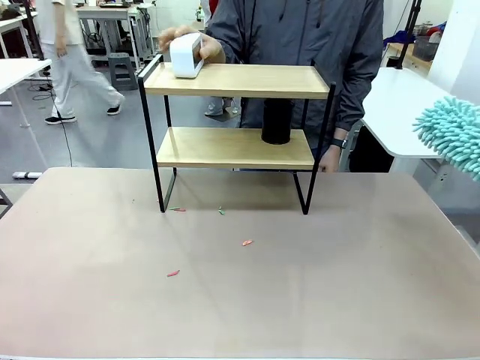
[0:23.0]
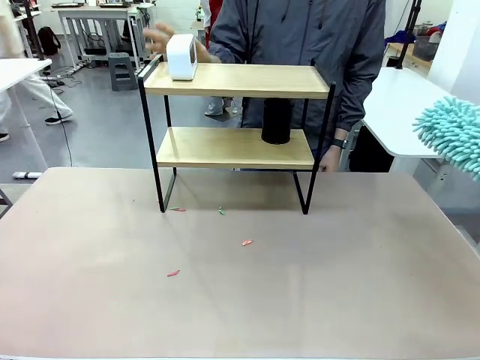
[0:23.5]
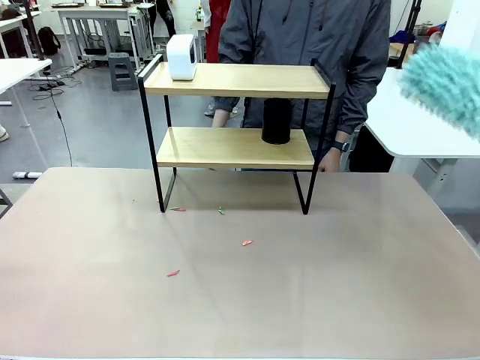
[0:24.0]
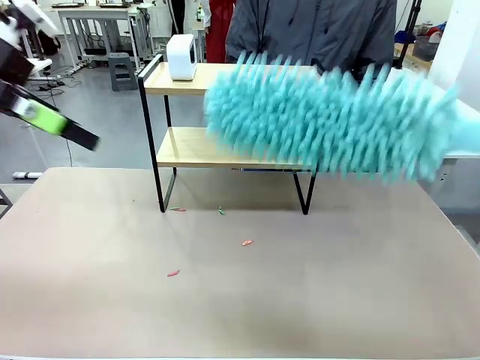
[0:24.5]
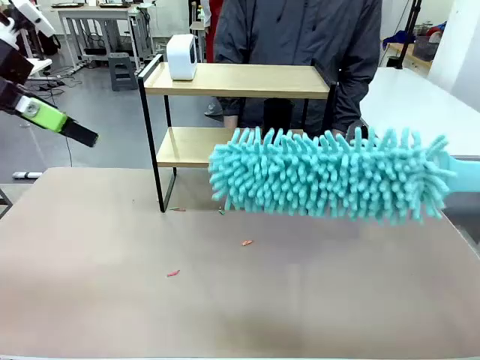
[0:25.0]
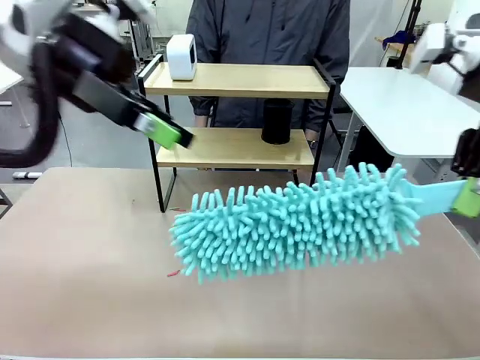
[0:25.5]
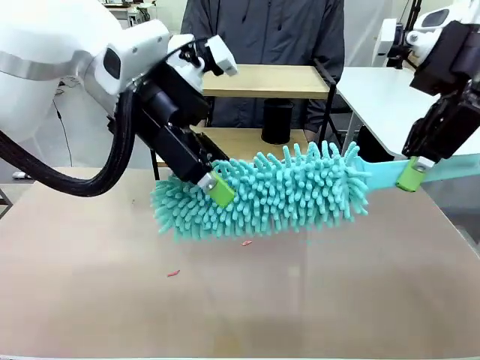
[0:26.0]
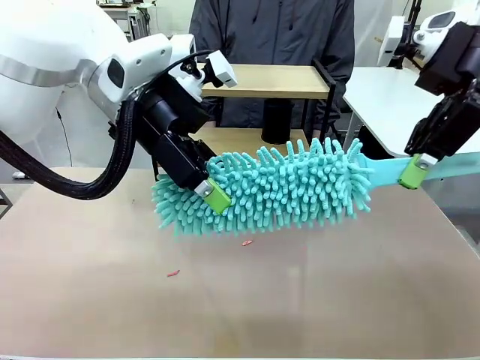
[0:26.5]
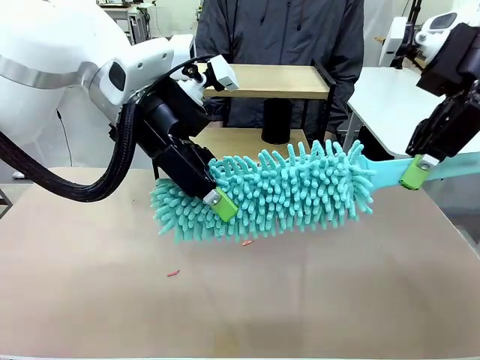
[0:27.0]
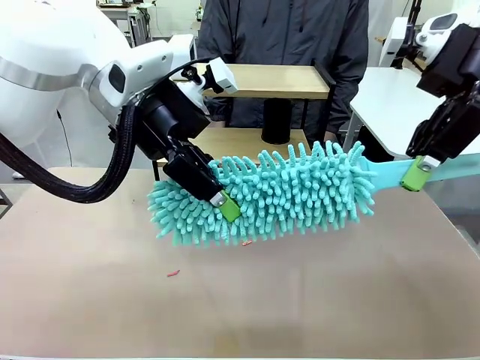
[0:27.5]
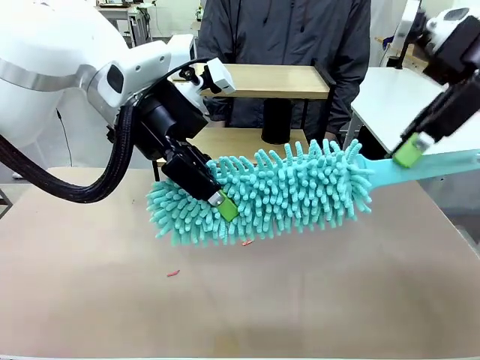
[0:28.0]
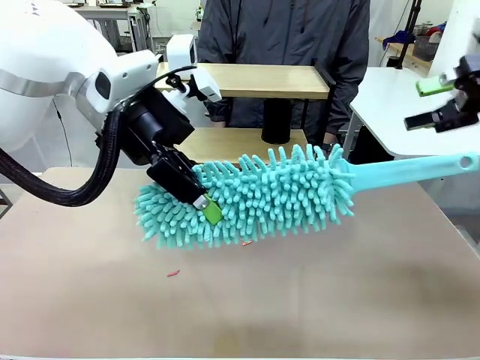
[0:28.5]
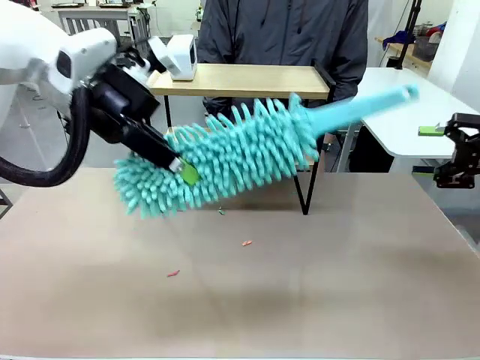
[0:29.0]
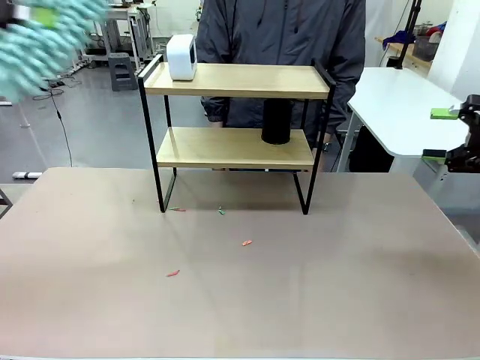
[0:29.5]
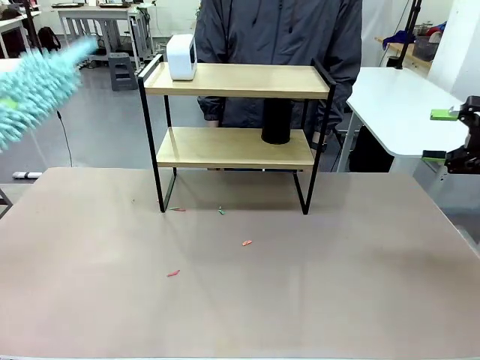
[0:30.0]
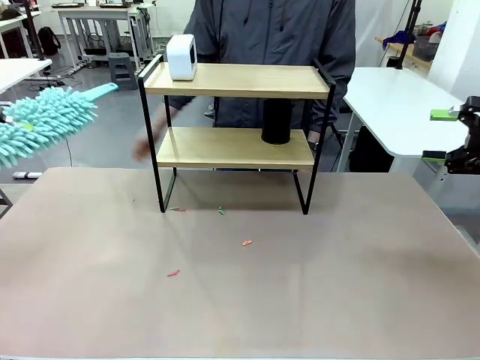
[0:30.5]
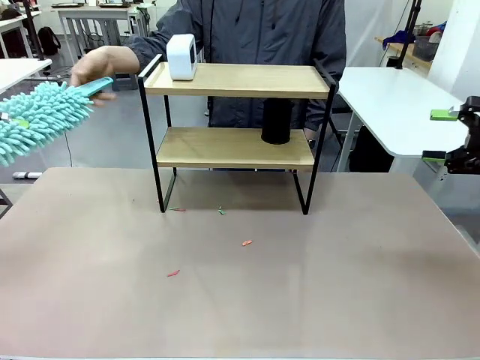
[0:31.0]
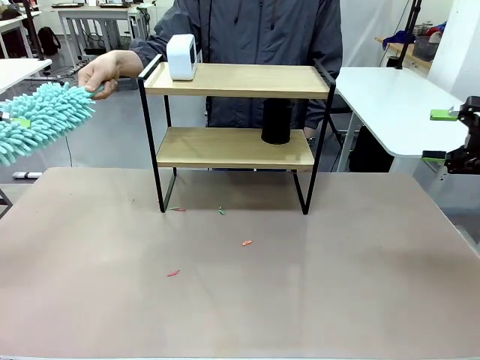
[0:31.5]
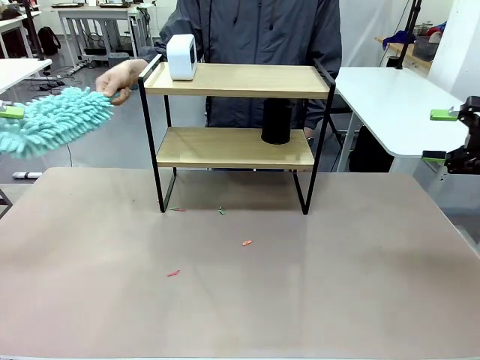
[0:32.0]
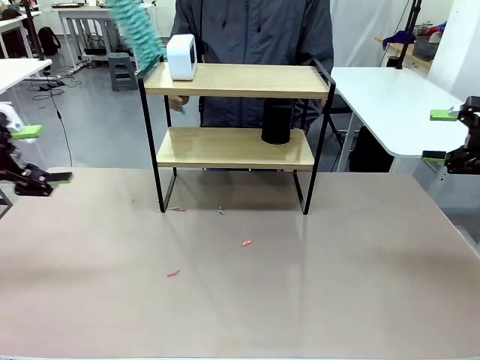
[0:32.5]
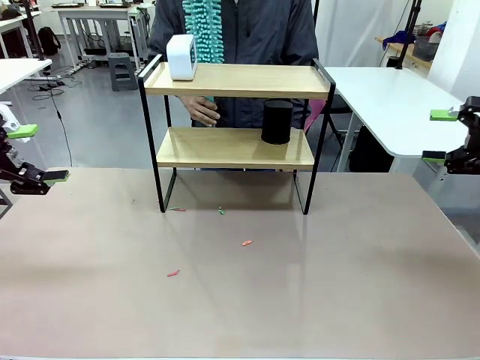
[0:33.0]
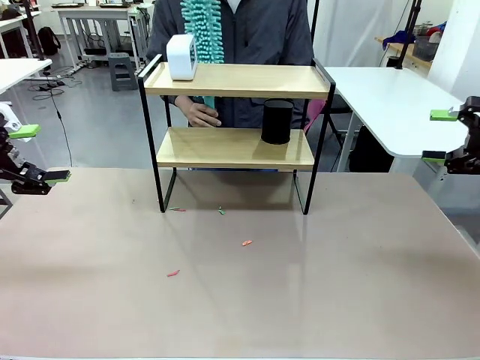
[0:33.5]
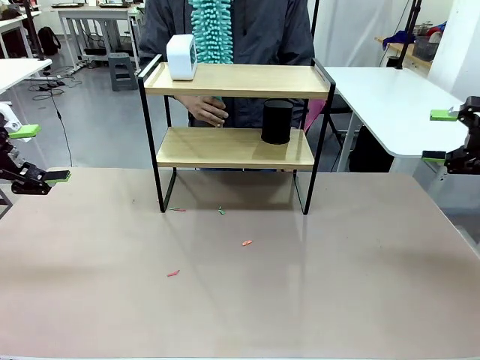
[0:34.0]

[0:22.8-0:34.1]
Task: Clean the shelf.
Robot: Hand the Duster back to the human.
Person: Receive the Duster from the robot.

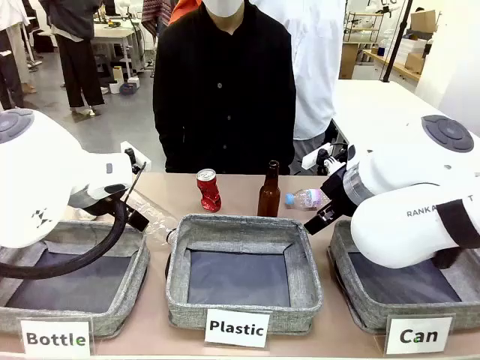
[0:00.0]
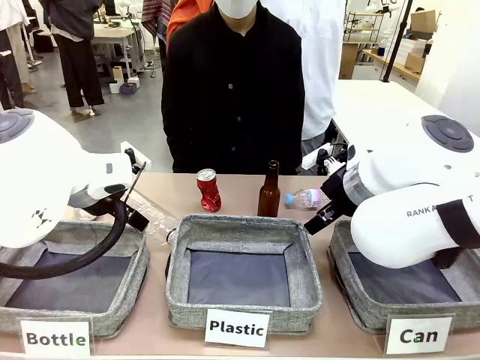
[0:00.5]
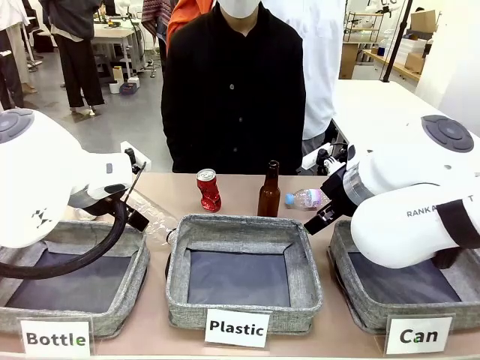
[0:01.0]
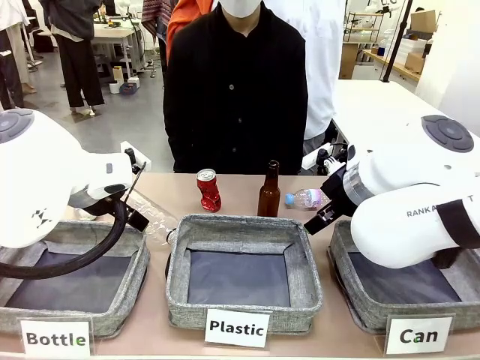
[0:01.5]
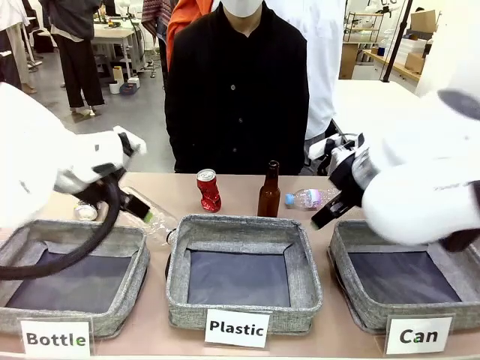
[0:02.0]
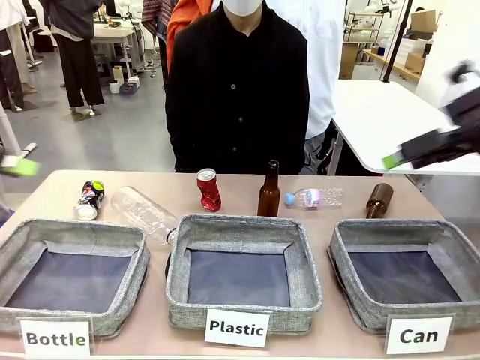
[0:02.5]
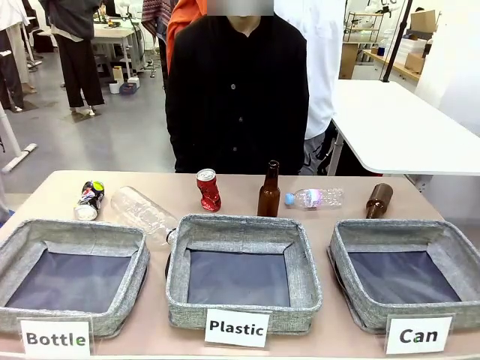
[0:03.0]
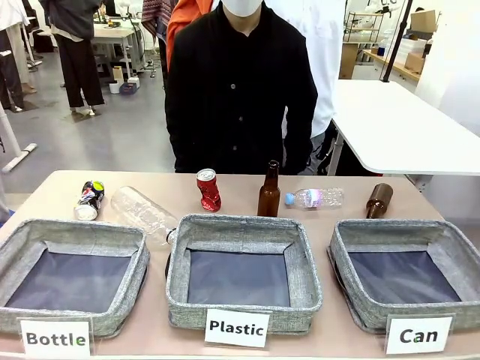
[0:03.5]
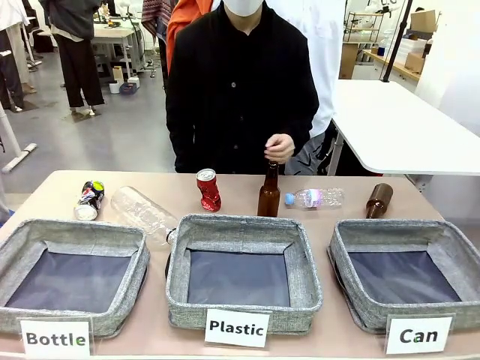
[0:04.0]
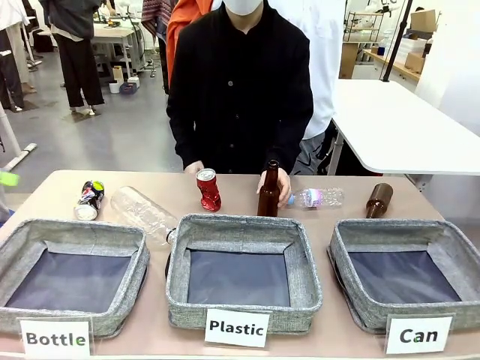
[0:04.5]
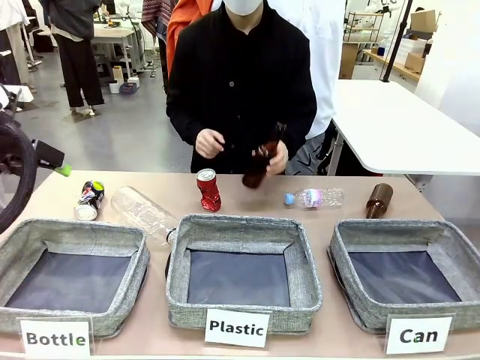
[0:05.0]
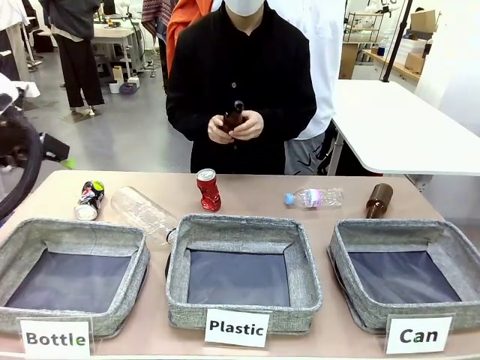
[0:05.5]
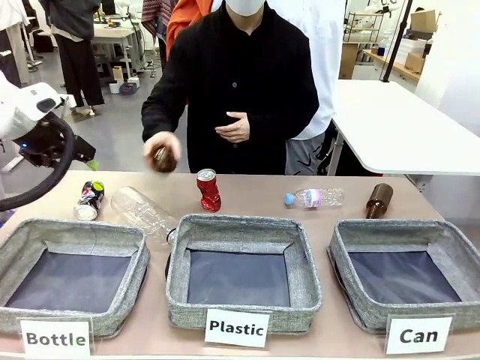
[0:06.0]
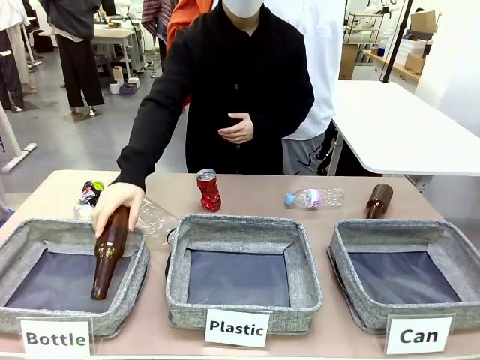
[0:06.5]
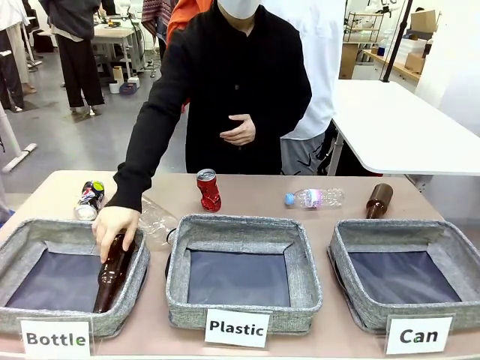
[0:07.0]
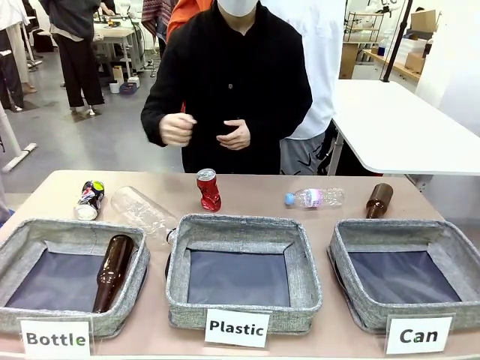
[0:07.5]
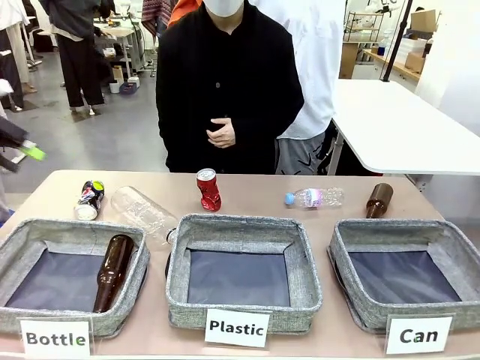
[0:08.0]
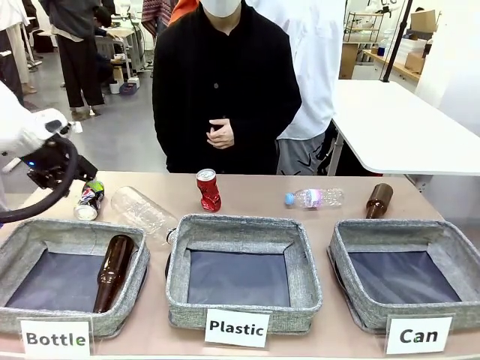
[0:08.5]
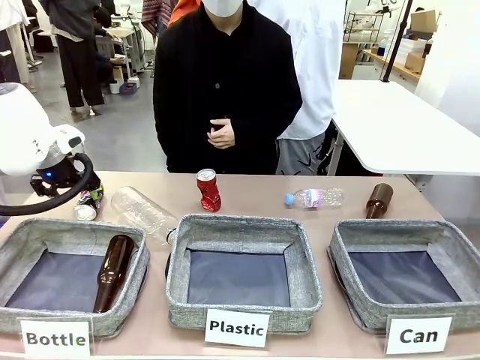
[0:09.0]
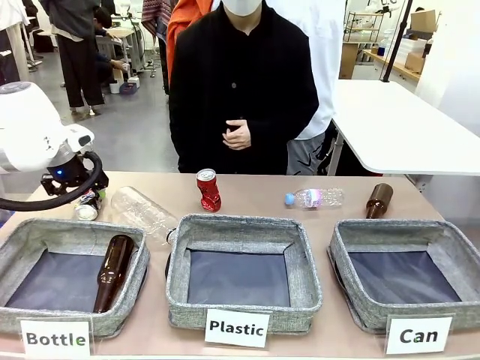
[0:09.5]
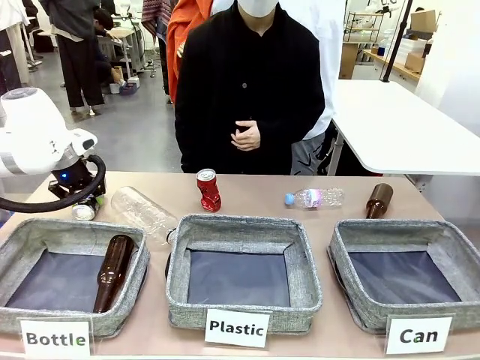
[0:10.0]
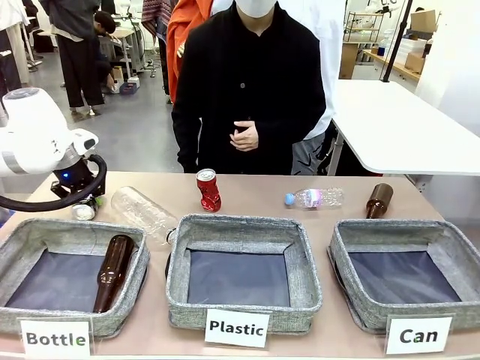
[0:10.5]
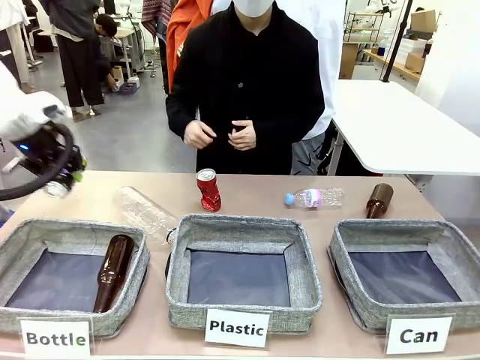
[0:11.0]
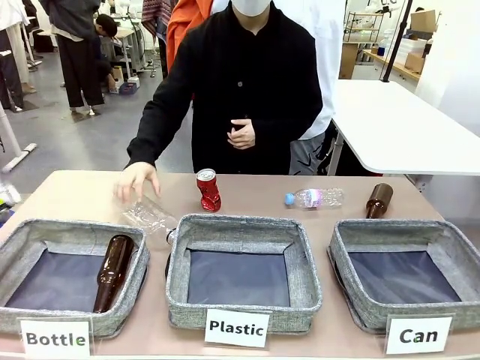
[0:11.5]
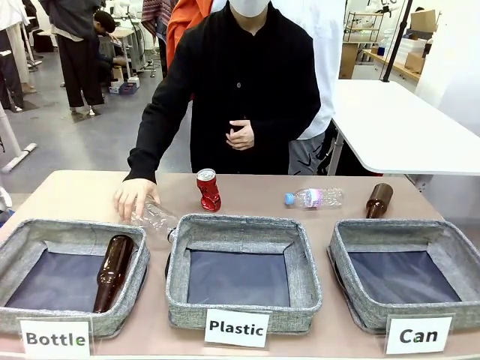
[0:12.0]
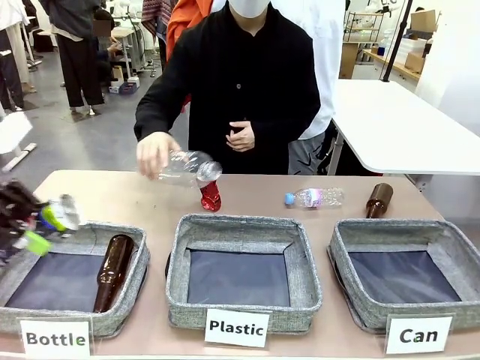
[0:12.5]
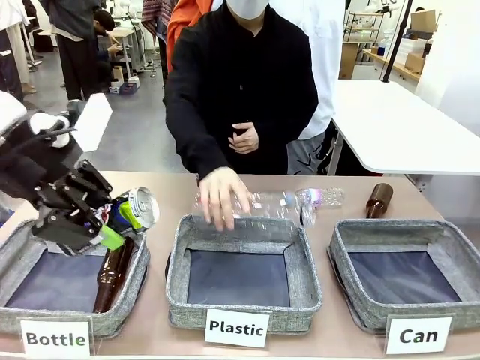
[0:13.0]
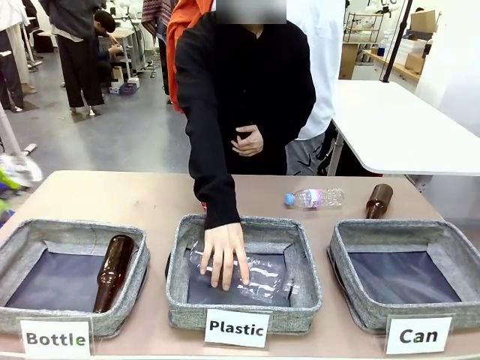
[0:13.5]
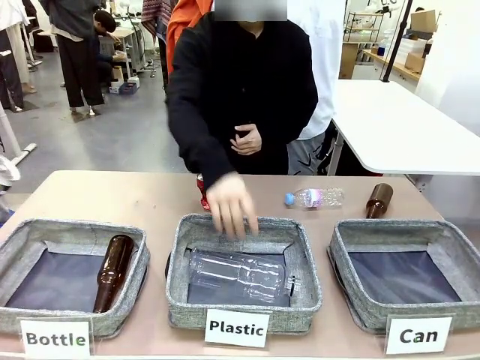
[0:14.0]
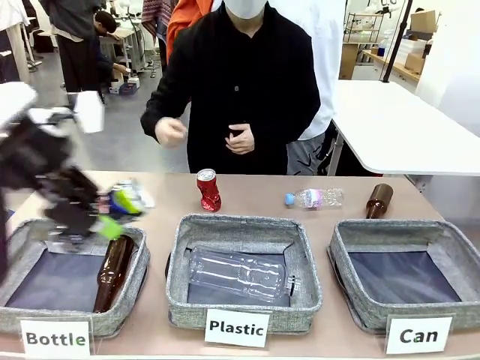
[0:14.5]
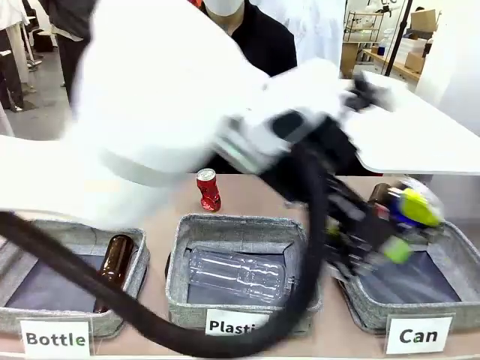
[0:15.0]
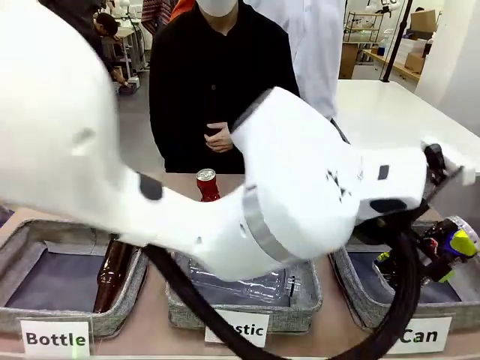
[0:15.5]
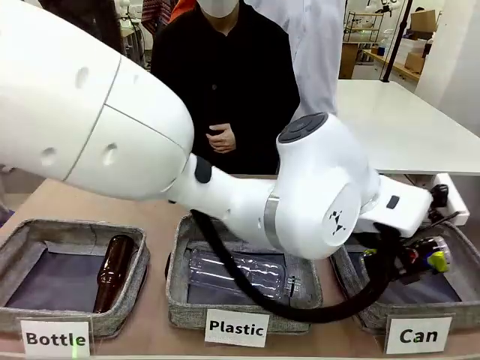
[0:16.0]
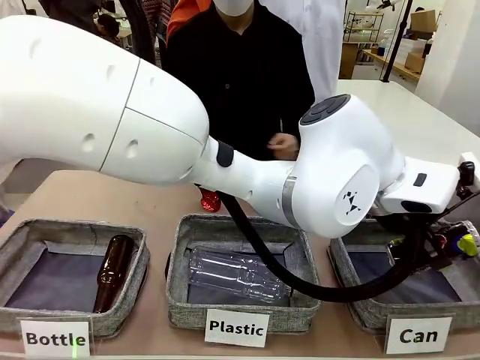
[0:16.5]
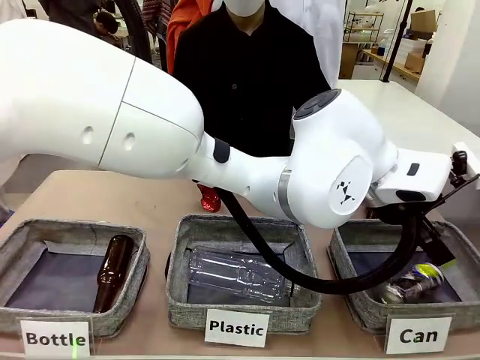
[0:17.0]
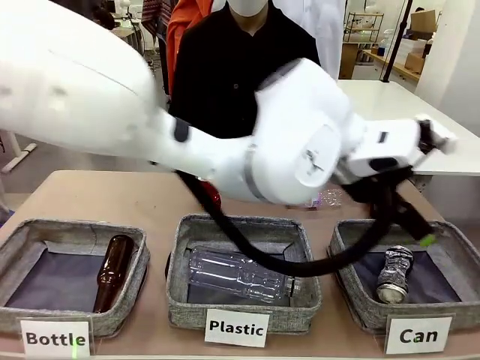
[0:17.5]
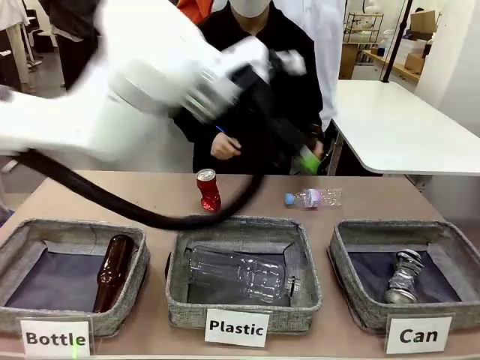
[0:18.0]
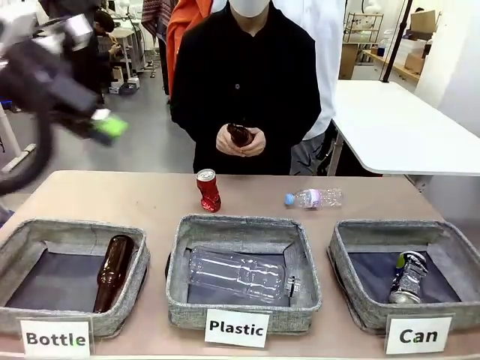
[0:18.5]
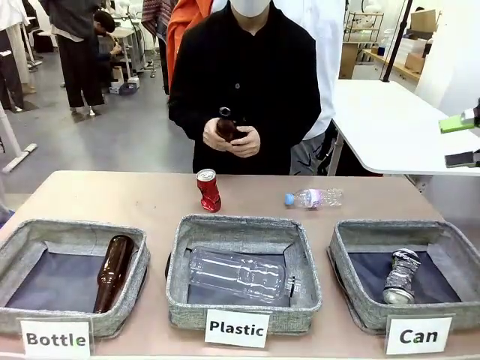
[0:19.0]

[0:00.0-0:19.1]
Task: Sort the can waste into the basket.
Robot: Pick up the can waste from the table and place it in the right Fabric basket.
